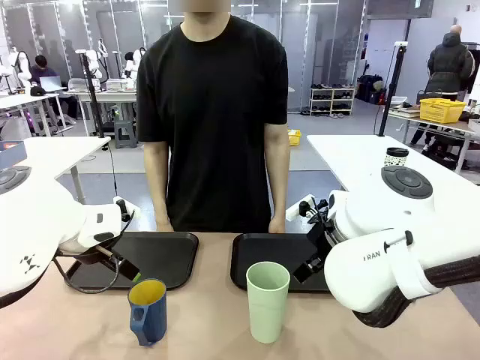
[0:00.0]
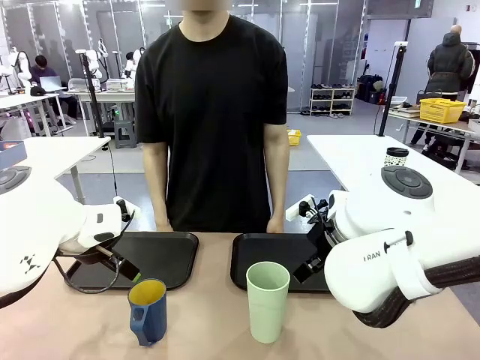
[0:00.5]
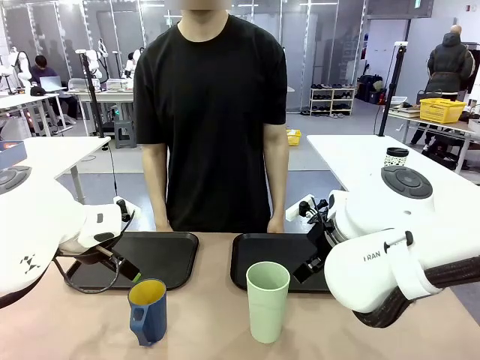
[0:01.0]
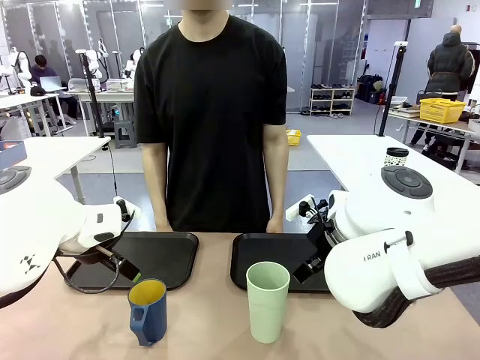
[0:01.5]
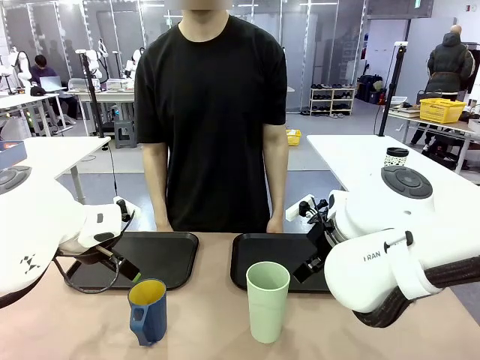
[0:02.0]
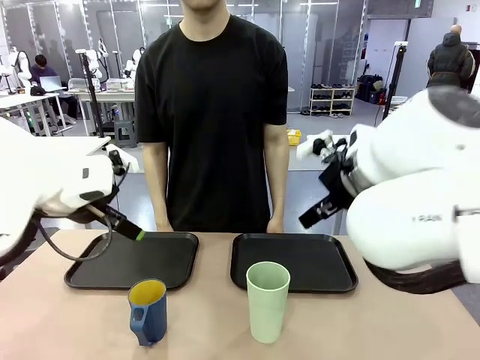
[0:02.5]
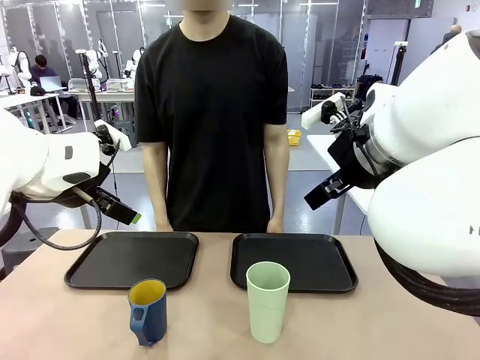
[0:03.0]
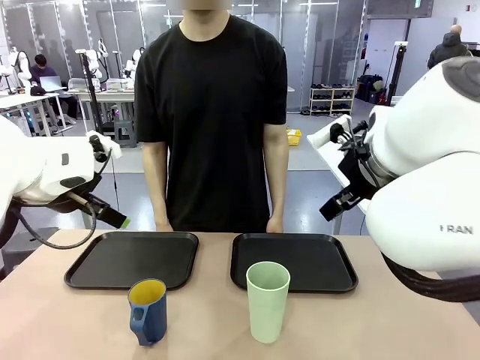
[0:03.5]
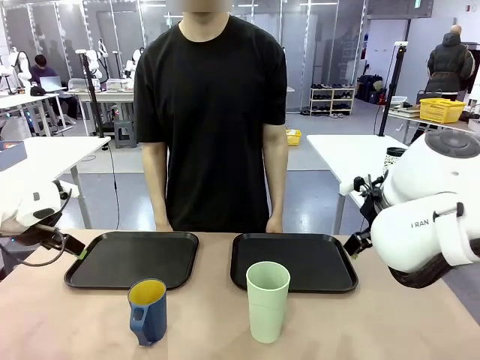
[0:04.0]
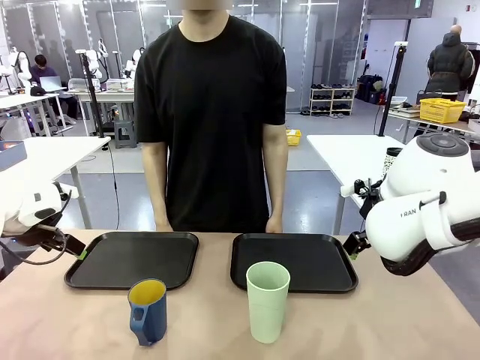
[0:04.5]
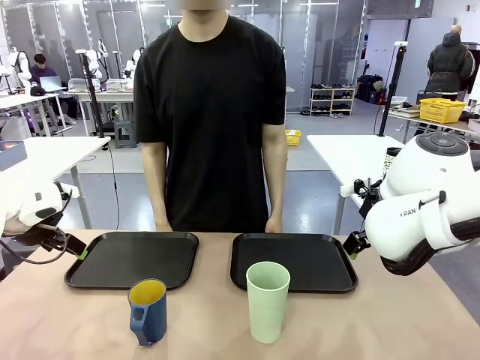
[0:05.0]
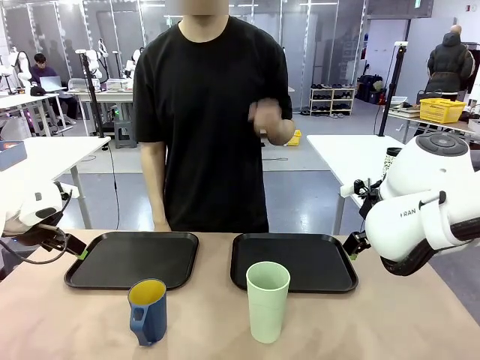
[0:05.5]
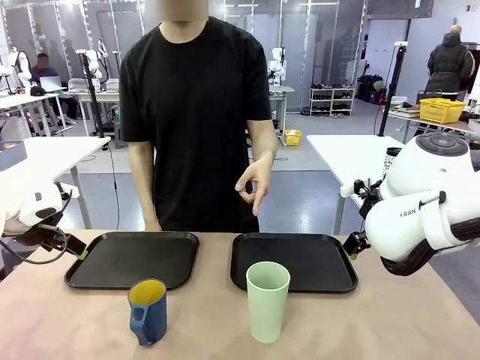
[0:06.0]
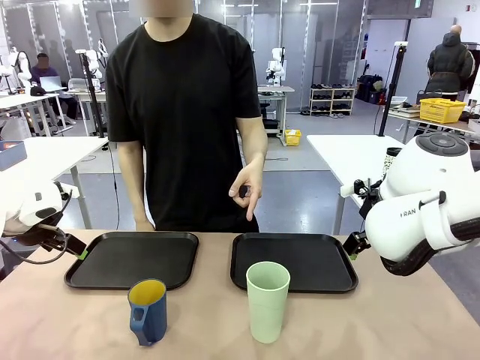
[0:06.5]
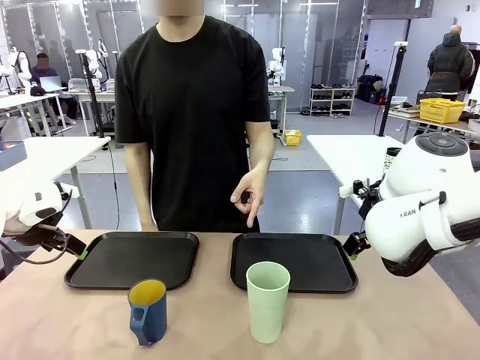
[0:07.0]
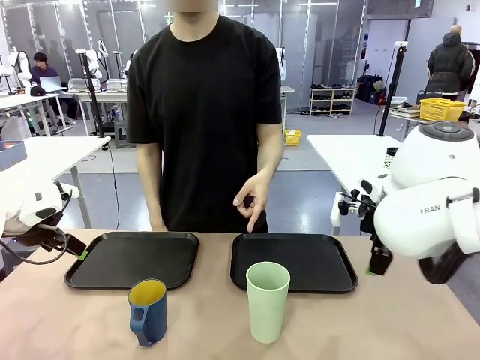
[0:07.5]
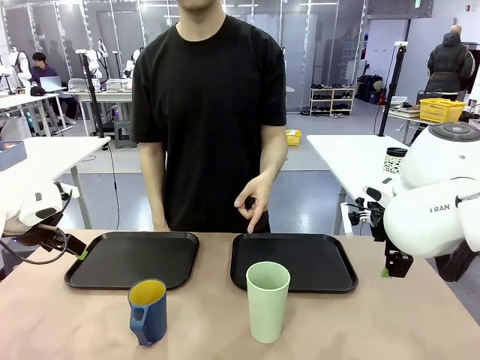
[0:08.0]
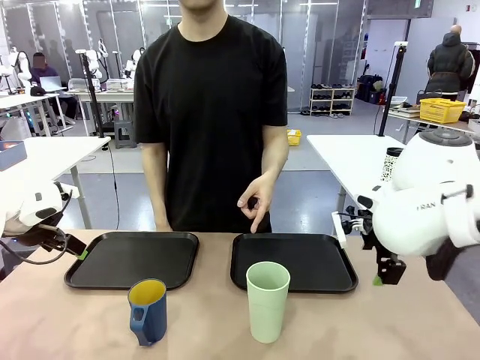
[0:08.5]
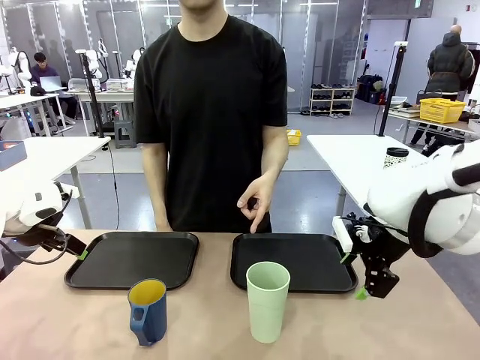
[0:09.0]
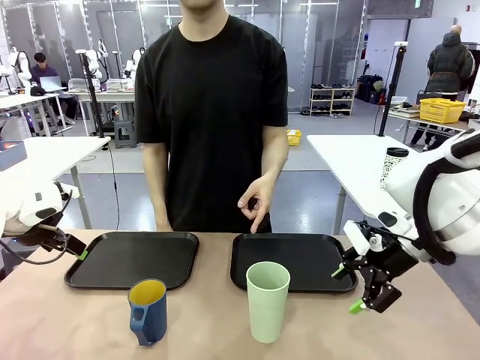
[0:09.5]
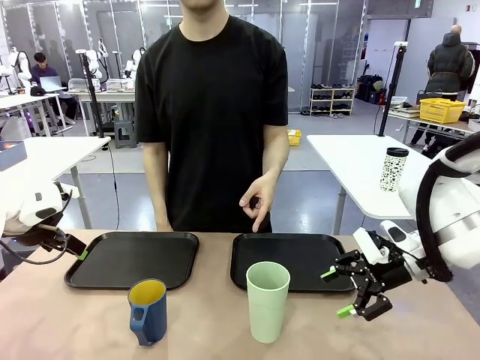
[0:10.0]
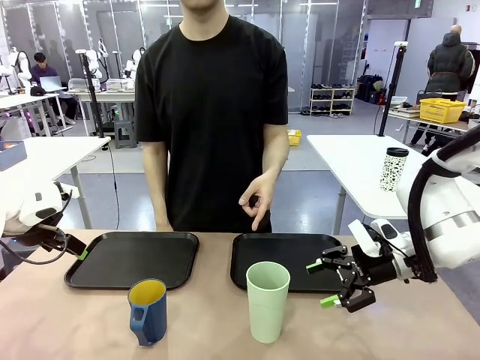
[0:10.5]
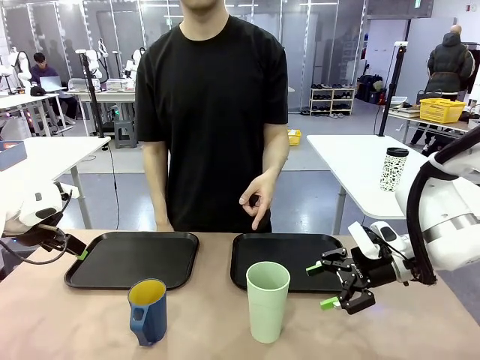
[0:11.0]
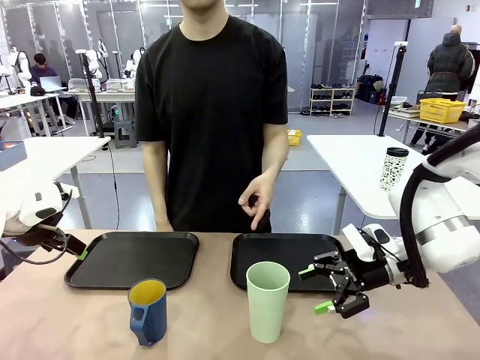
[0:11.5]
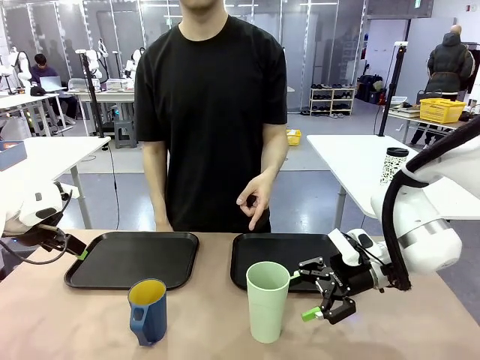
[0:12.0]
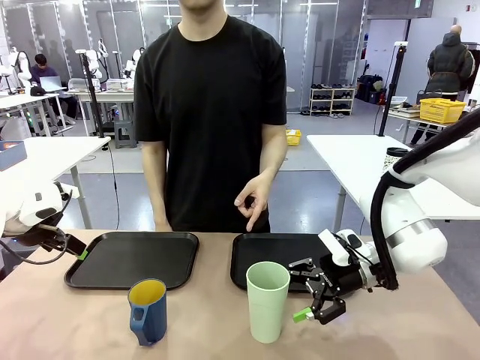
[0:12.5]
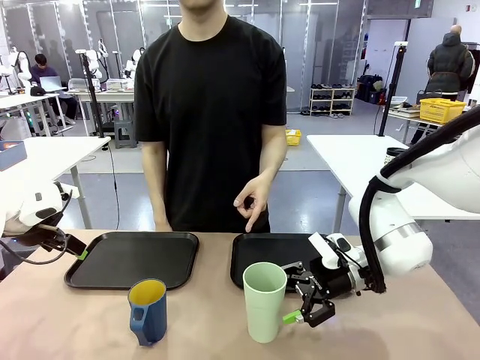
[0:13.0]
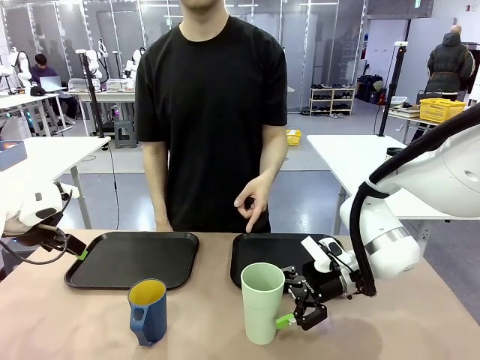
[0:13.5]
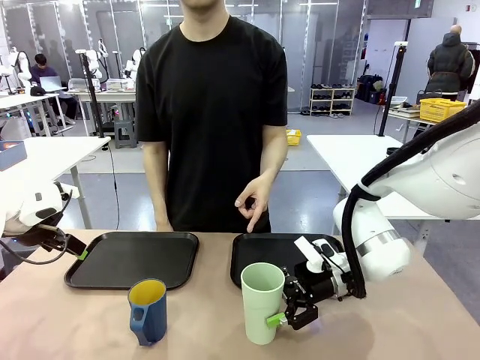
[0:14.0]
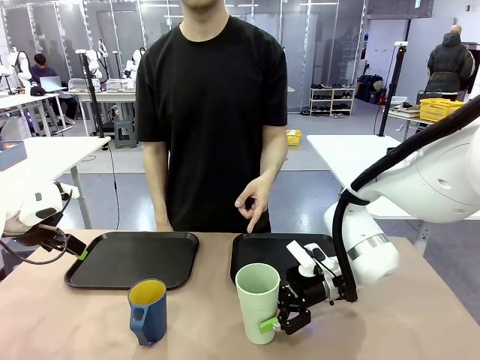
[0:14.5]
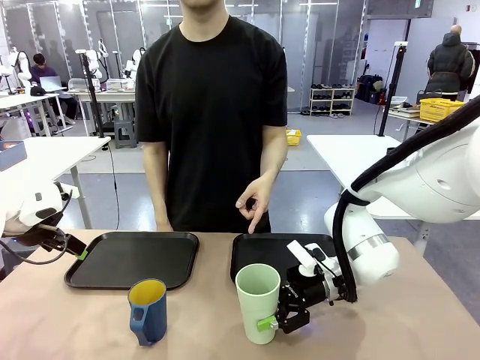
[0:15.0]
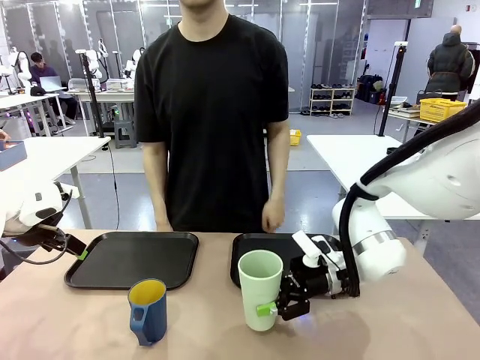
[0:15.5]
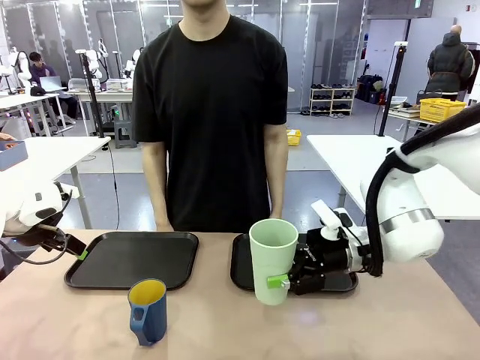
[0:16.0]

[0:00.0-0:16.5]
Task: Sort and store the cups by type.
Robot: Pick up the Reusable plastic cup.
Person: Points to the reusable cup. Point to one of the two trays.

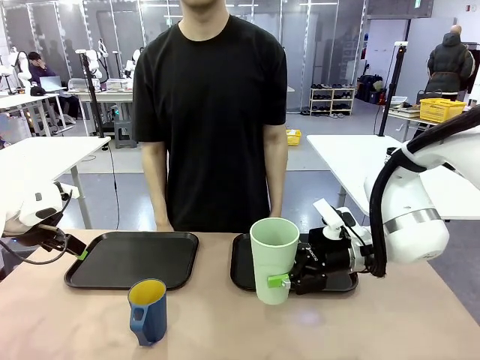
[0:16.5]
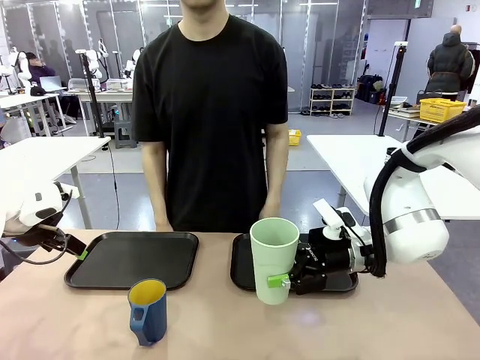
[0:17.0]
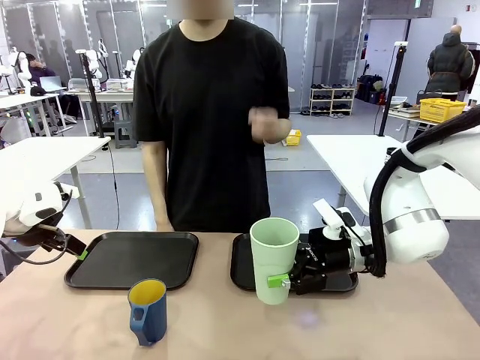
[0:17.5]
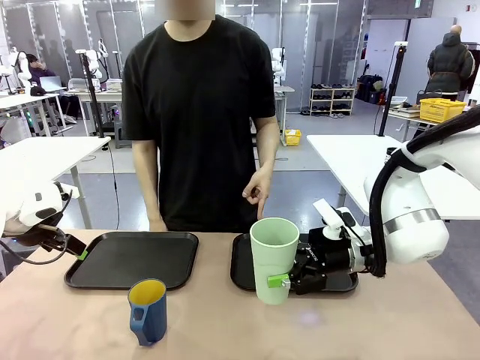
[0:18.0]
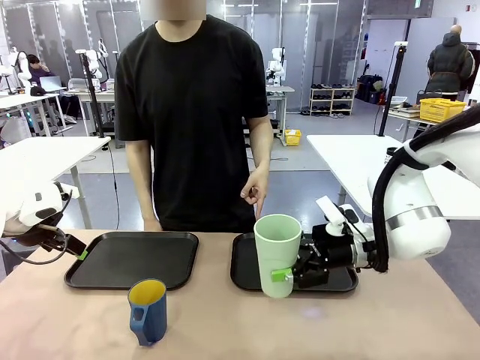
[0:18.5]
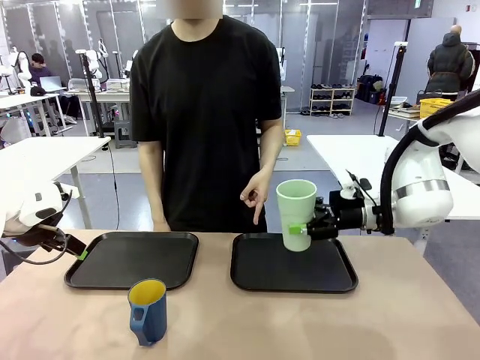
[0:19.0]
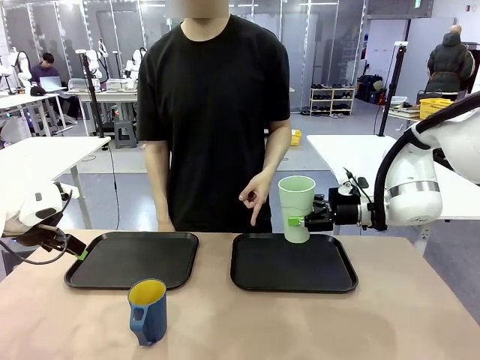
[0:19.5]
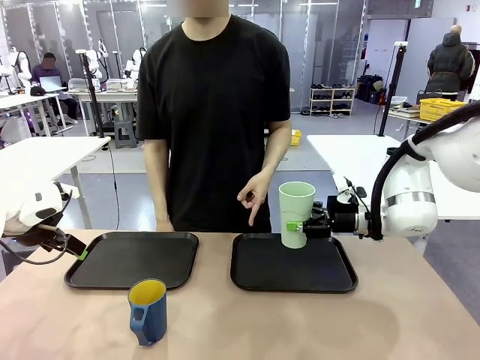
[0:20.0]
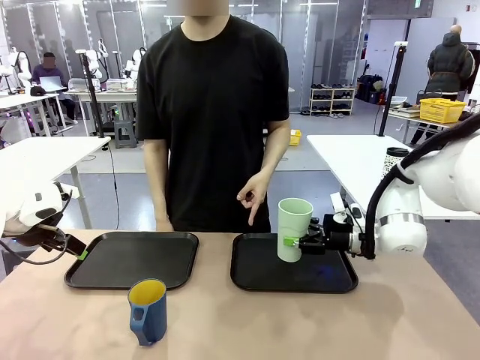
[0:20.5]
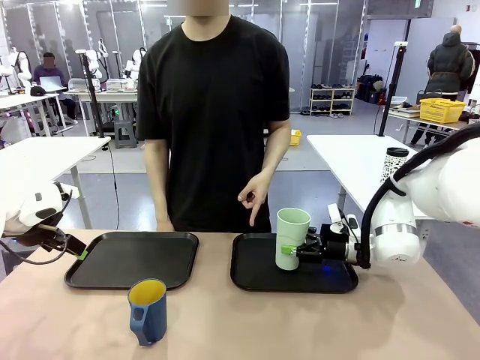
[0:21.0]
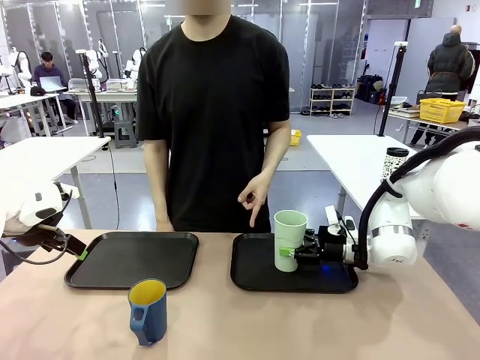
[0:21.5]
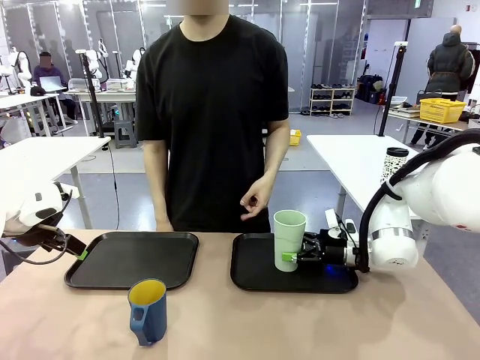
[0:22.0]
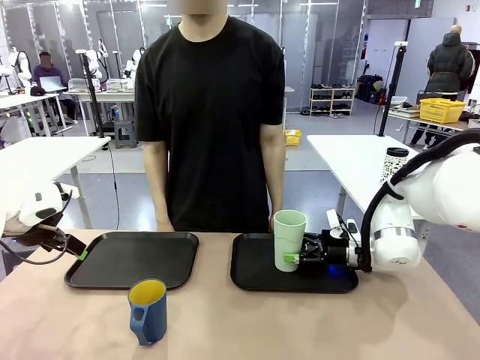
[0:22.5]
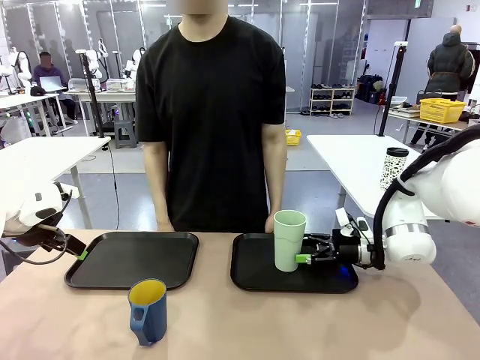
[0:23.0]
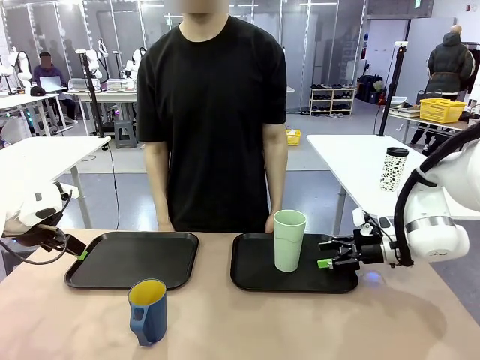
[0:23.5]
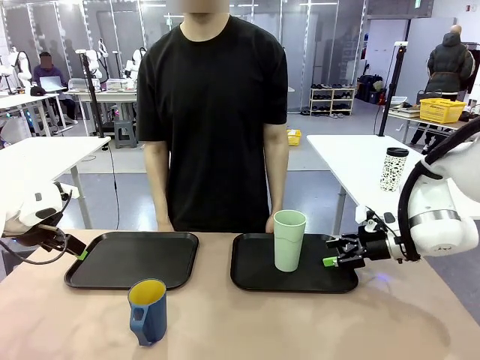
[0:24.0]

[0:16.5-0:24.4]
Robot: Place the picked Reusable plastic cup into the Flat Tray indicated by the person.
